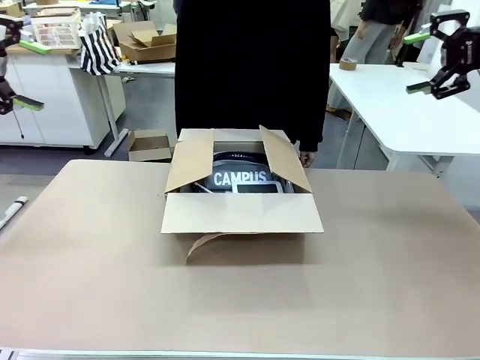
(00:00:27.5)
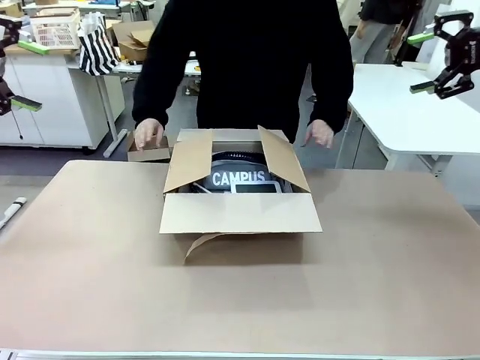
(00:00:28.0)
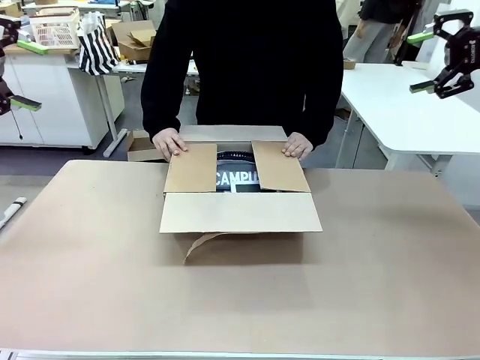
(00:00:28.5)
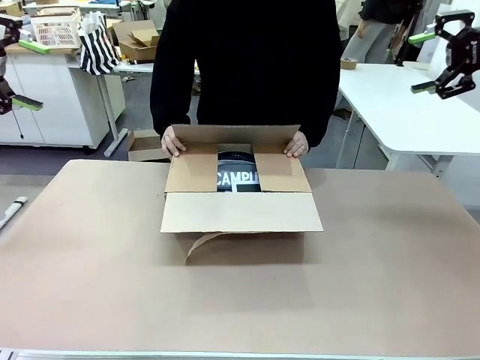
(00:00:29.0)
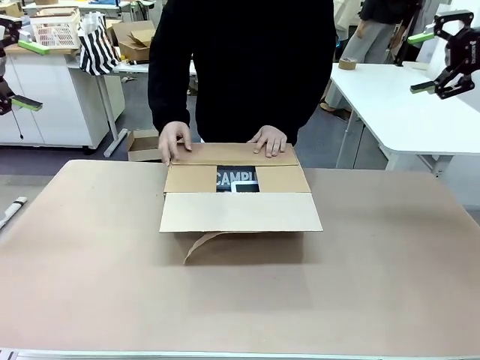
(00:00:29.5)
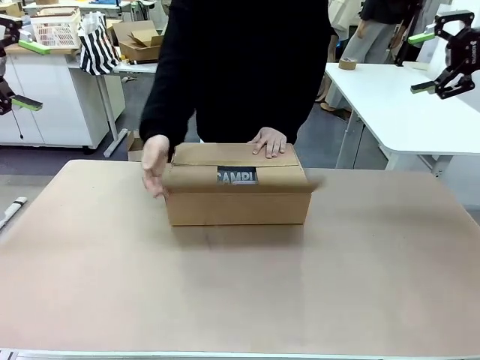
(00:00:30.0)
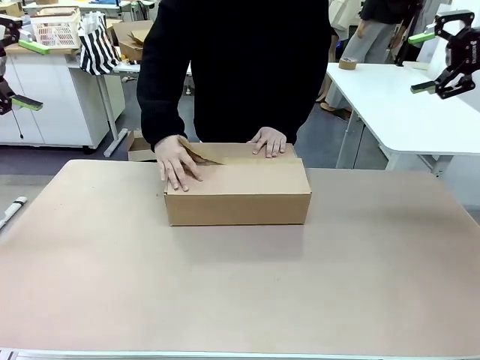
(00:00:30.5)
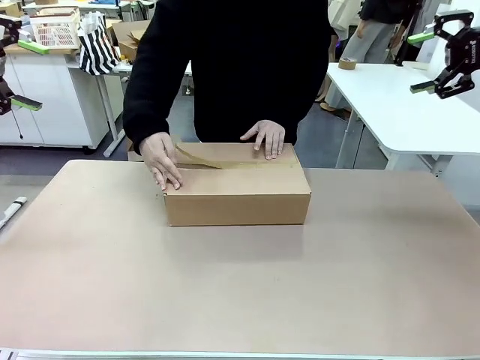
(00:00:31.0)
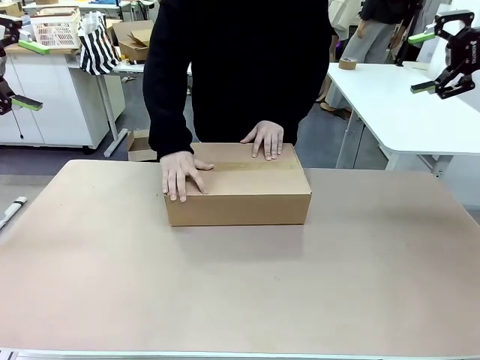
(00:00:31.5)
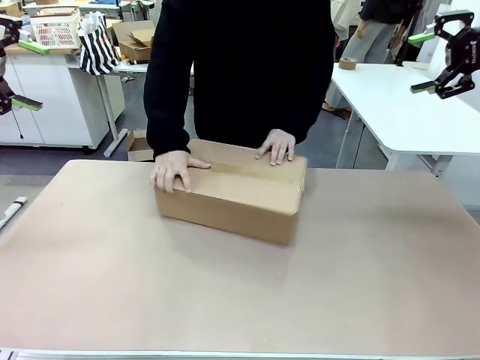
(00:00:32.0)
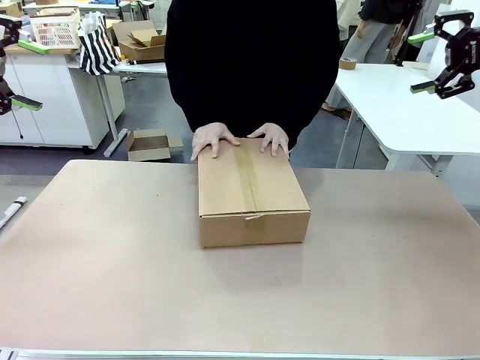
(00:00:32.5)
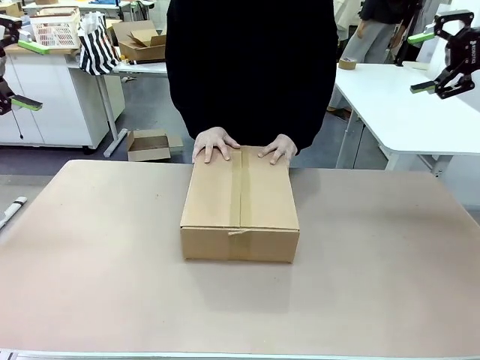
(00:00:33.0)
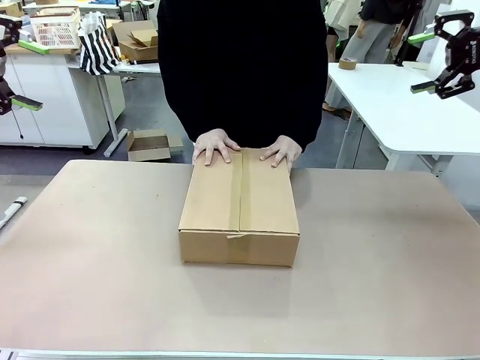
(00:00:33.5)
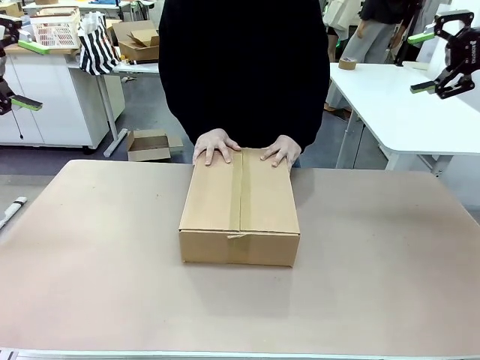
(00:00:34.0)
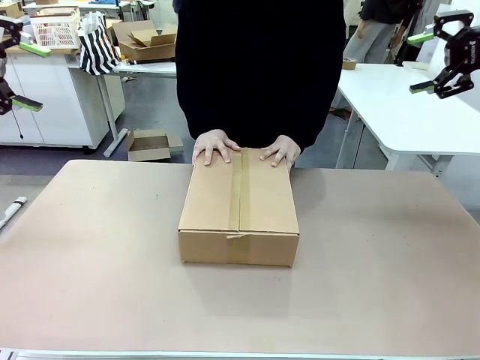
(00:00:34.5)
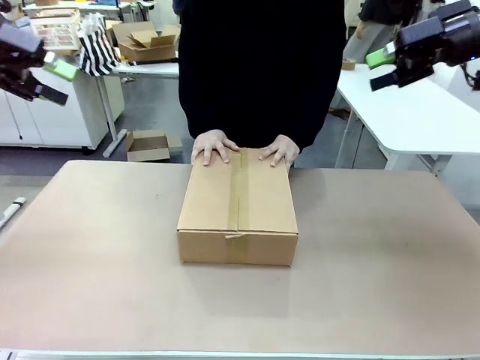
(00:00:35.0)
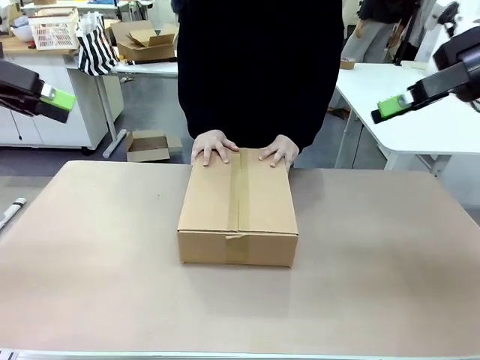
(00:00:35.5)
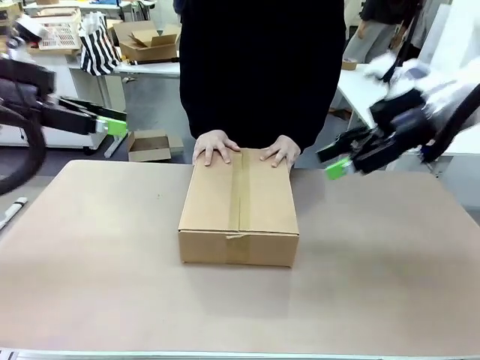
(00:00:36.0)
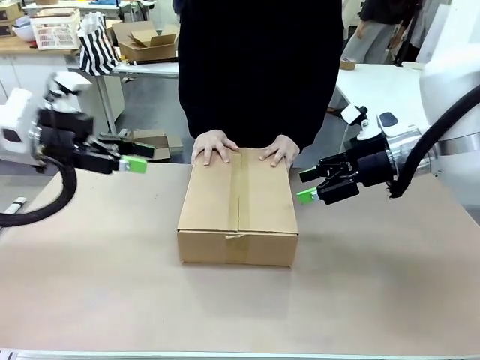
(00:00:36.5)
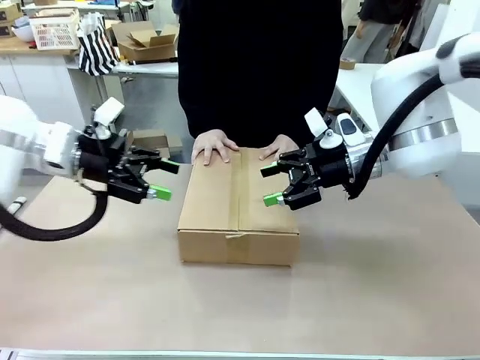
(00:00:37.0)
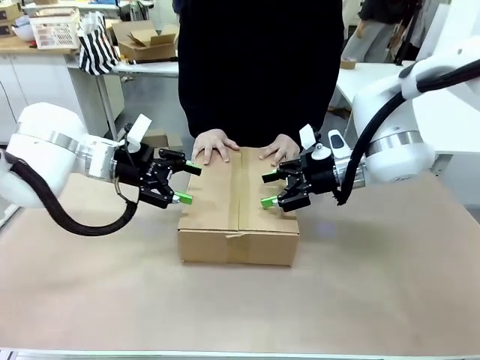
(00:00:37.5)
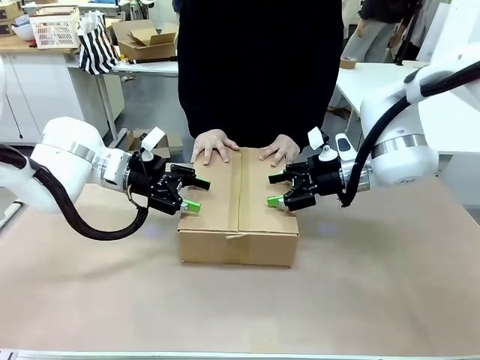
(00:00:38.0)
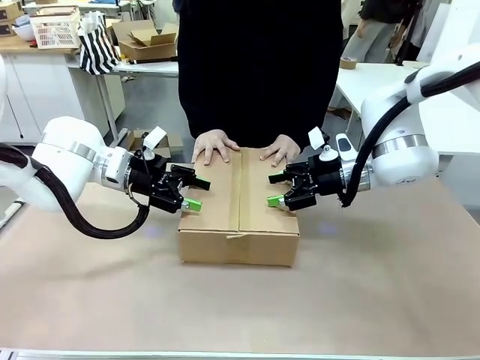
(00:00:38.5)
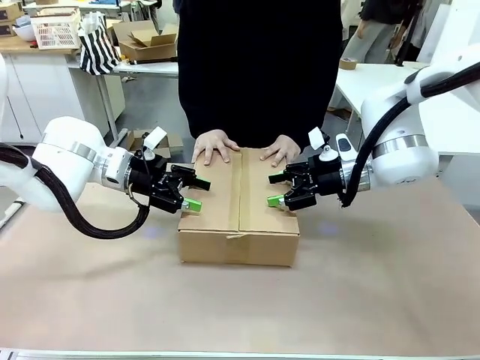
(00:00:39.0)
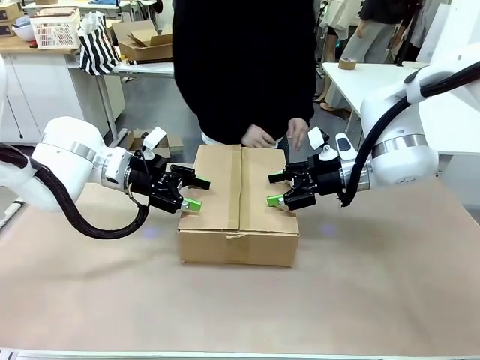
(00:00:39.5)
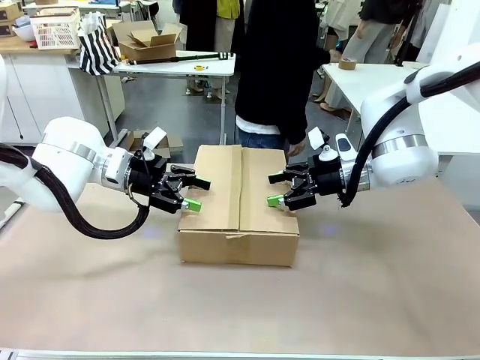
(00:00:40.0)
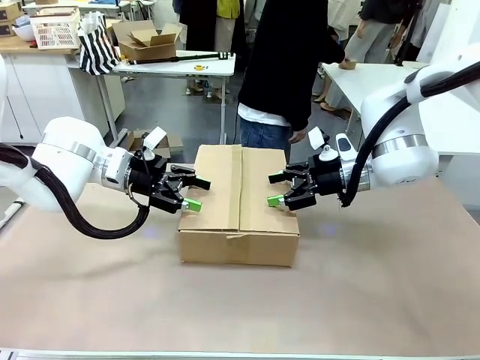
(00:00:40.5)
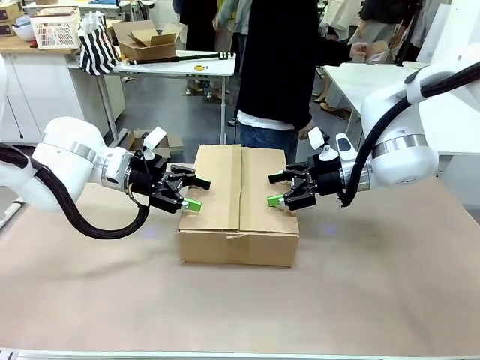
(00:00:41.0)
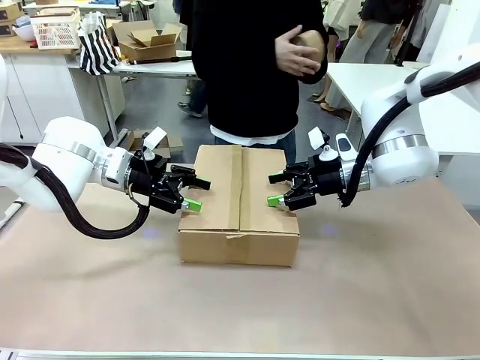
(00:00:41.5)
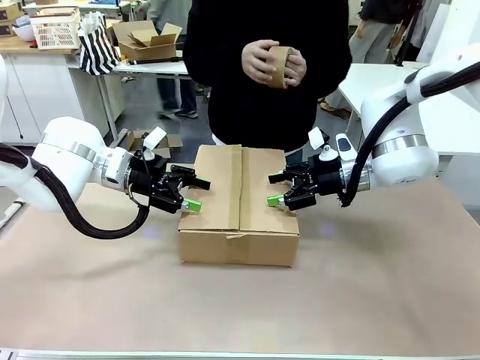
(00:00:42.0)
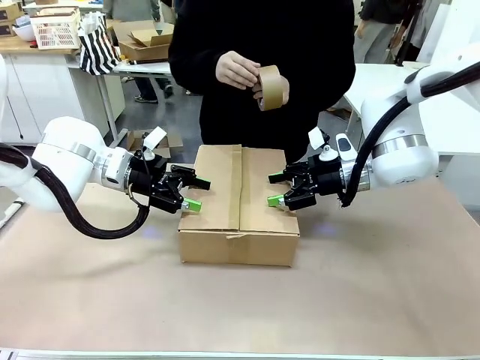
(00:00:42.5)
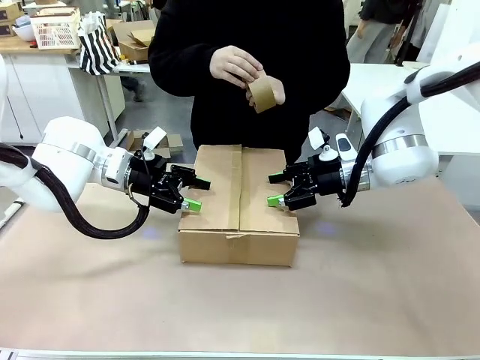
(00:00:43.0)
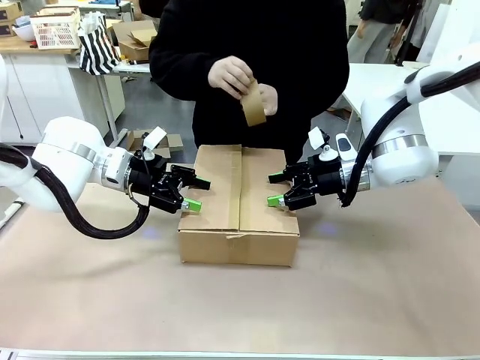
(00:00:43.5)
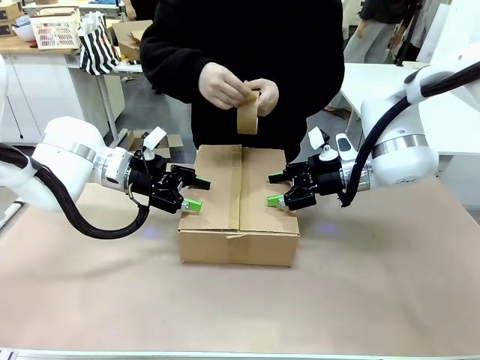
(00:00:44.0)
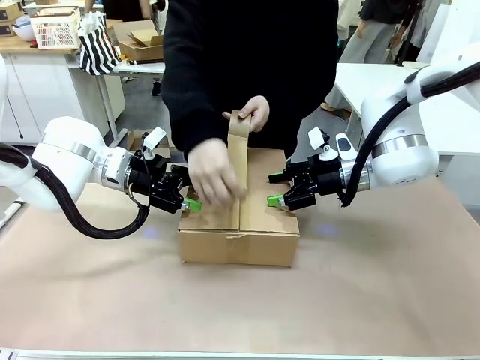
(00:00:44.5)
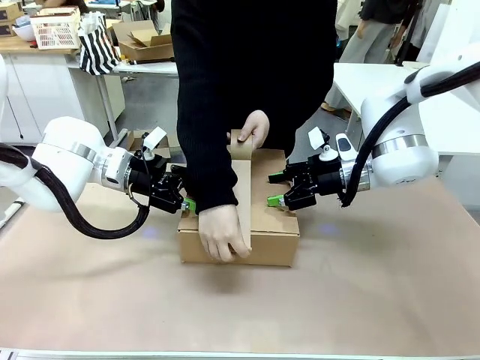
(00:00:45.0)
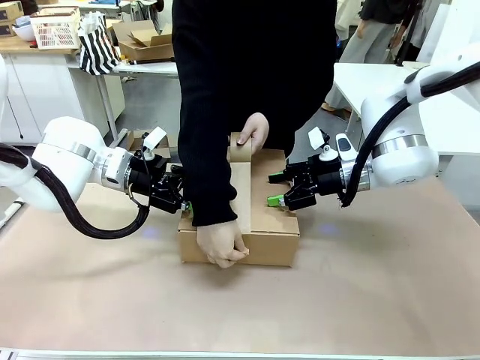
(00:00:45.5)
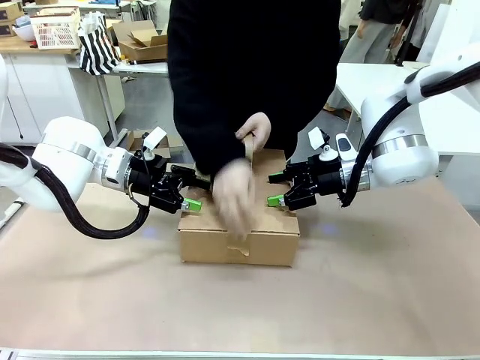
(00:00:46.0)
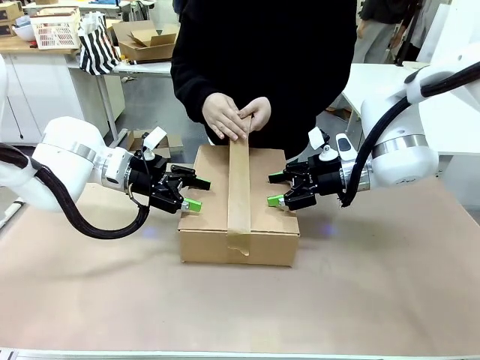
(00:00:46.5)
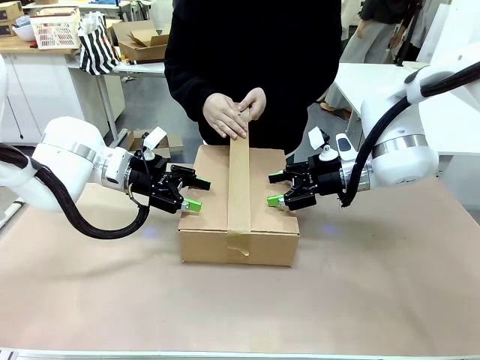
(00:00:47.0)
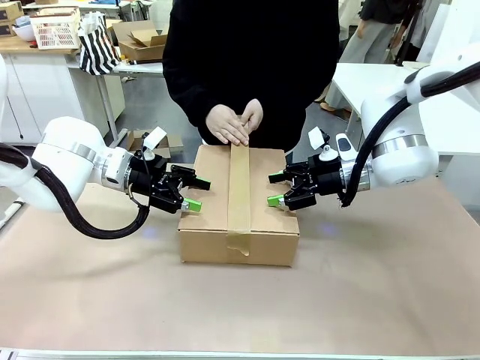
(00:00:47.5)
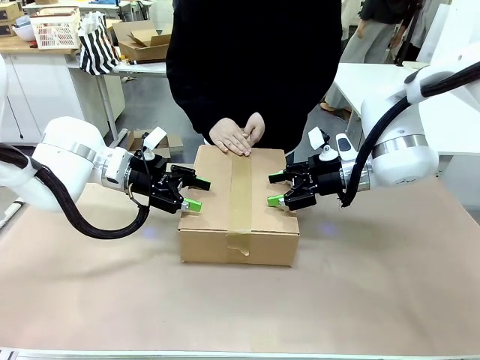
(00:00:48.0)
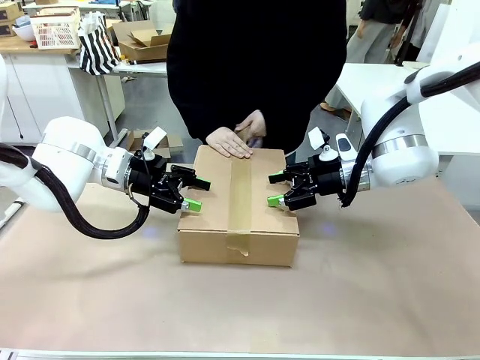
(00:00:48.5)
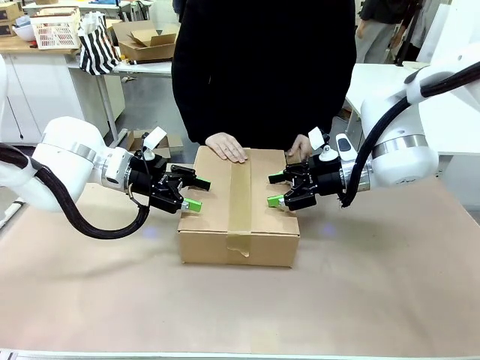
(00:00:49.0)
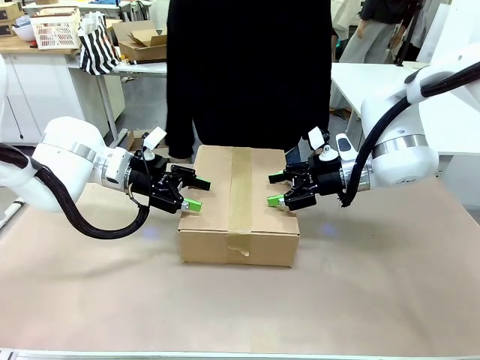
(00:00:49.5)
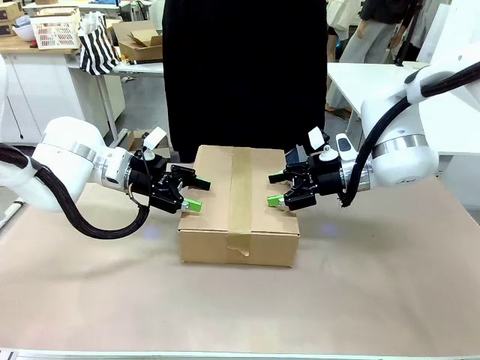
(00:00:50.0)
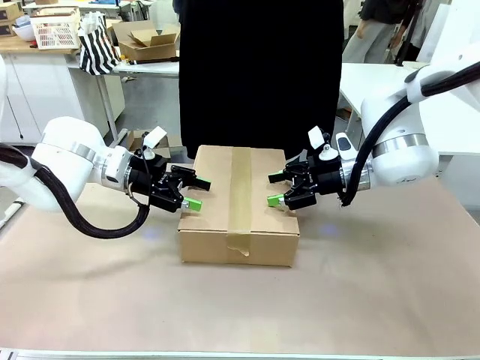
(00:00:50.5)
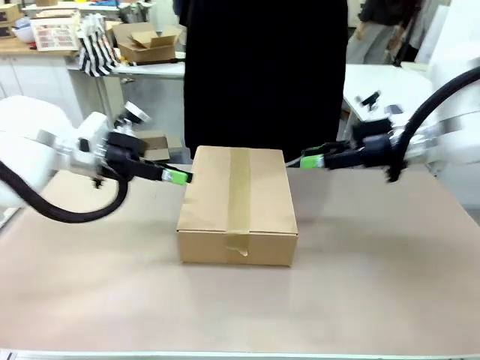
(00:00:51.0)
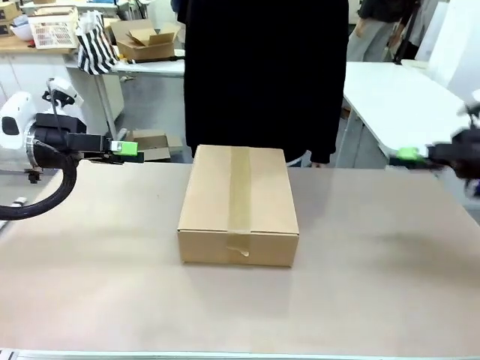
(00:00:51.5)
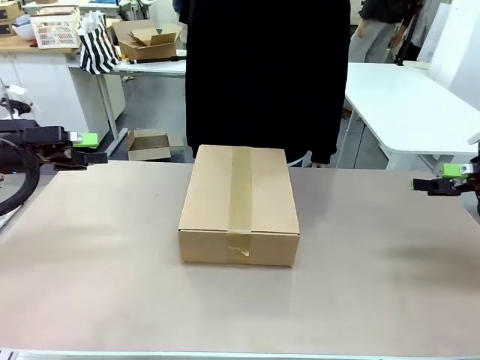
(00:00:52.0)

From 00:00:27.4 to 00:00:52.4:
Task: Pack the gift set into the box.
Robot: Press and hold the closed box until the human finishes sealing it.
Person: The human closes the box and rotates the box by 90 degrees. The human picks up the paper tape from the human table and packs the box.

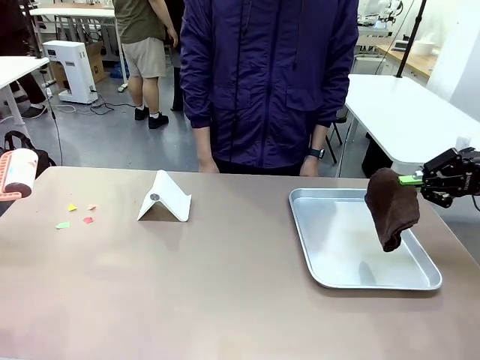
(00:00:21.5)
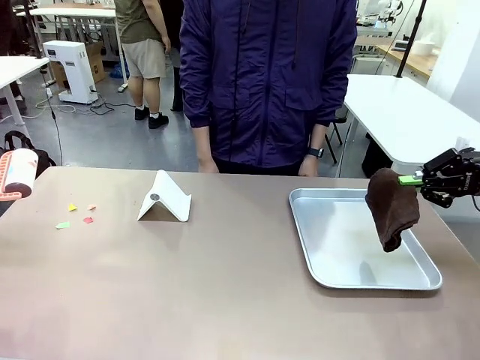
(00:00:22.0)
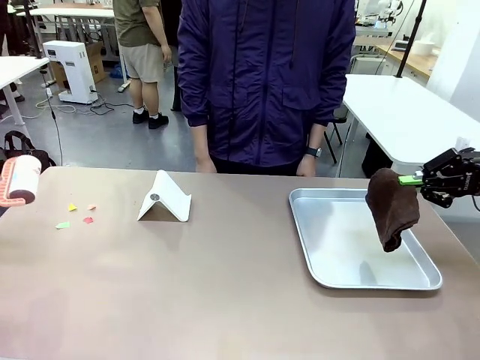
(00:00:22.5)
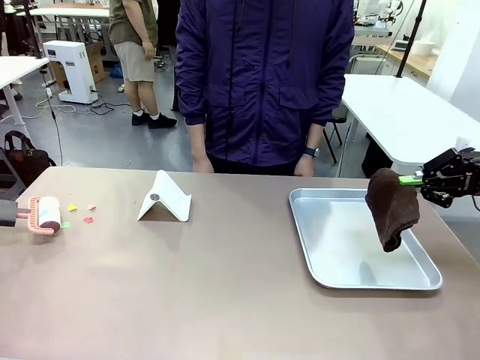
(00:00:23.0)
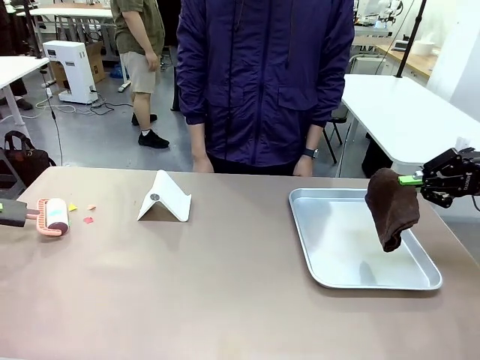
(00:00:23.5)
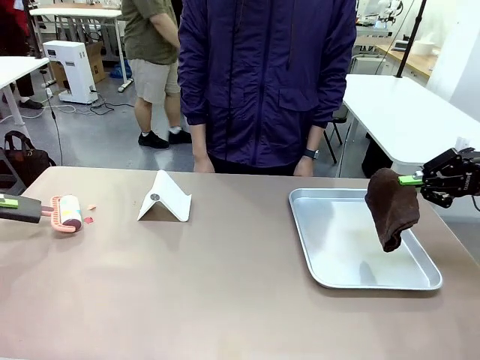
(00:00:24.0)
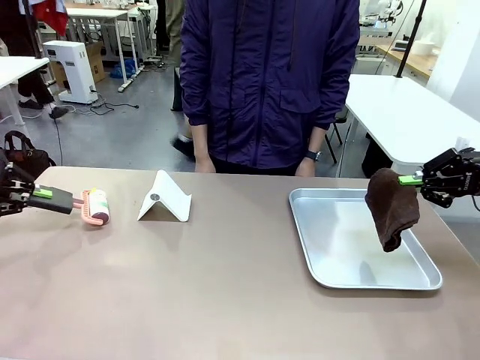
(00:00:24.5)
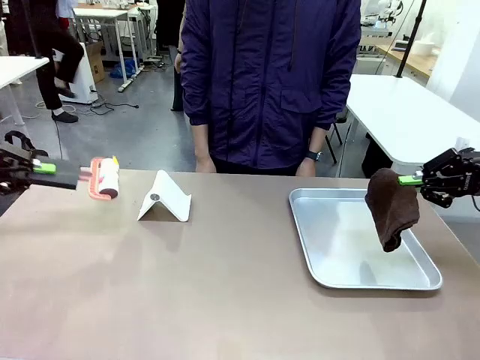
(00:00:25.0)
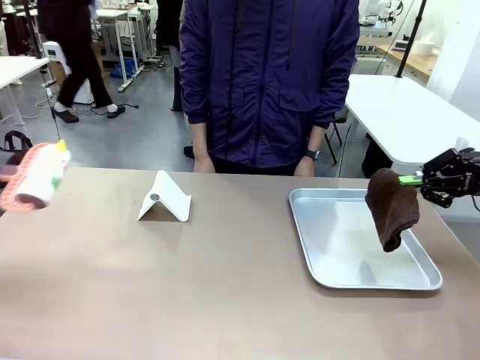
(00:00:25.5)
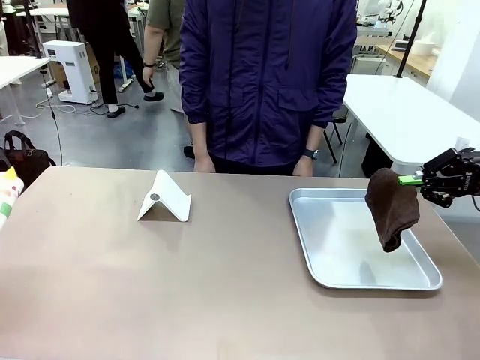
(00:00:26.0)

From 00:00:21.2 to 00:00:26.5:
Task: Clean the surface of the table.
Robot: Clean the area not pointed to by the person.
